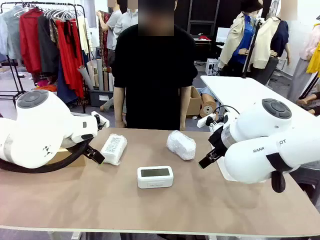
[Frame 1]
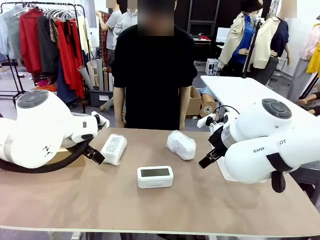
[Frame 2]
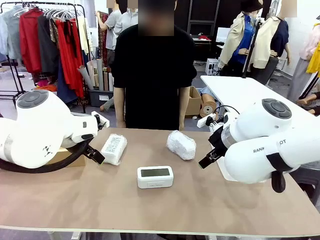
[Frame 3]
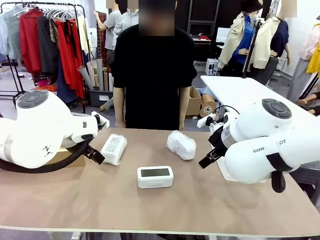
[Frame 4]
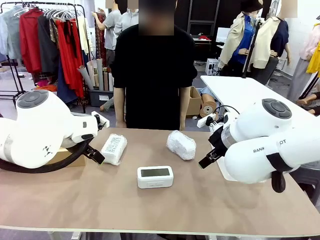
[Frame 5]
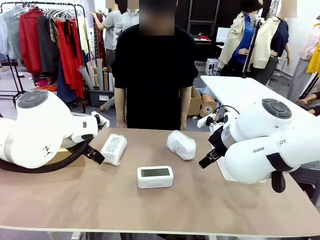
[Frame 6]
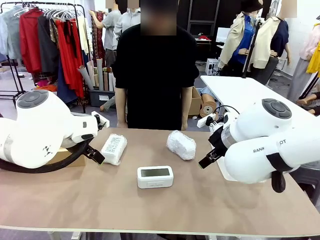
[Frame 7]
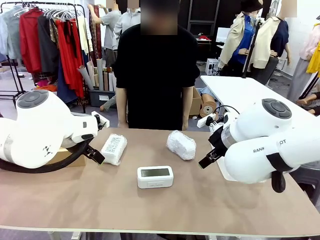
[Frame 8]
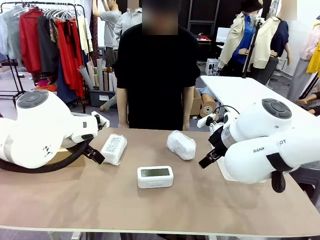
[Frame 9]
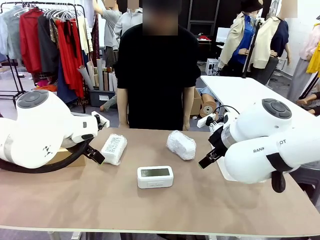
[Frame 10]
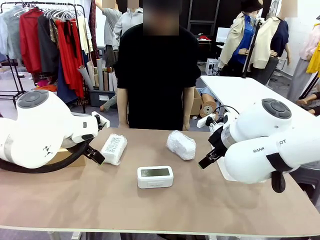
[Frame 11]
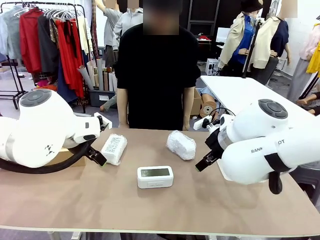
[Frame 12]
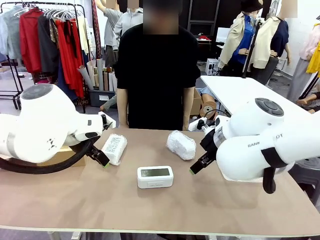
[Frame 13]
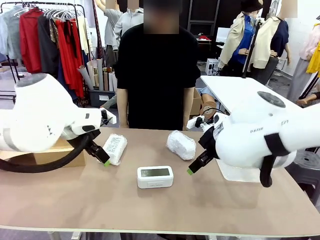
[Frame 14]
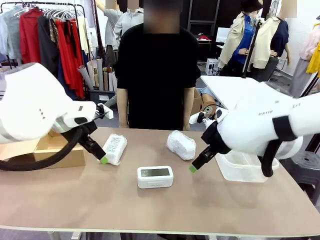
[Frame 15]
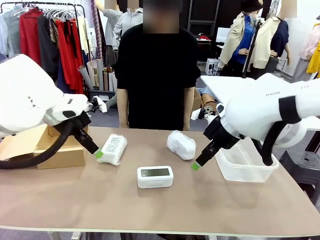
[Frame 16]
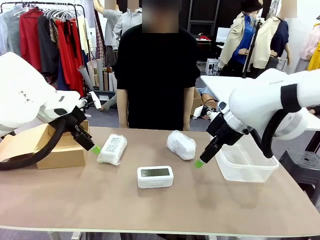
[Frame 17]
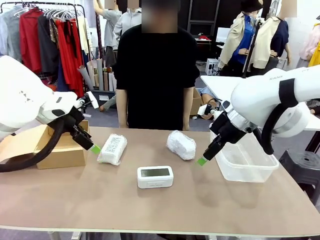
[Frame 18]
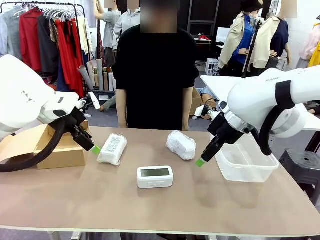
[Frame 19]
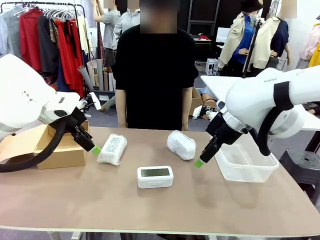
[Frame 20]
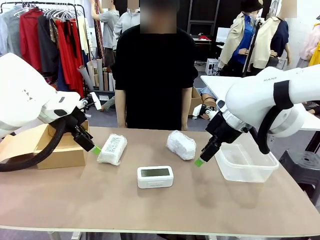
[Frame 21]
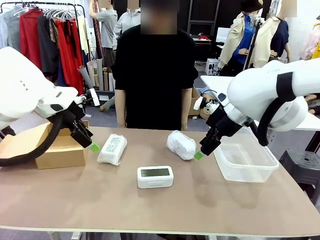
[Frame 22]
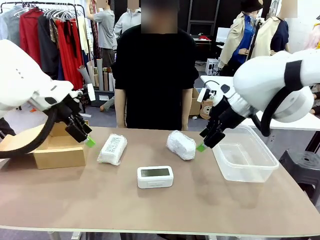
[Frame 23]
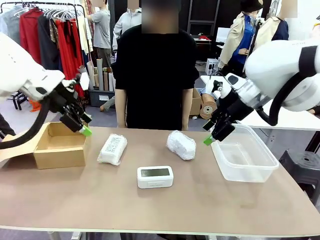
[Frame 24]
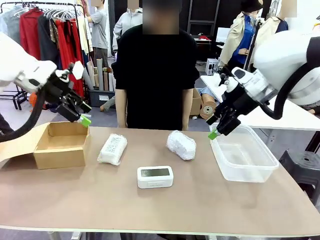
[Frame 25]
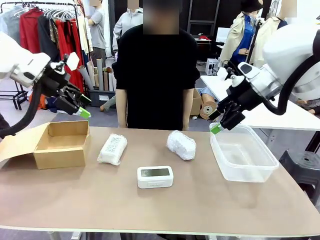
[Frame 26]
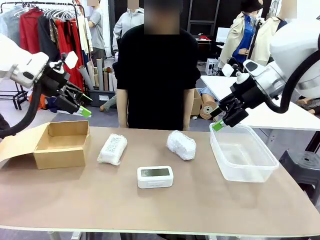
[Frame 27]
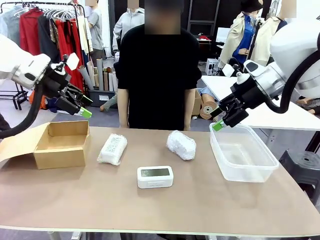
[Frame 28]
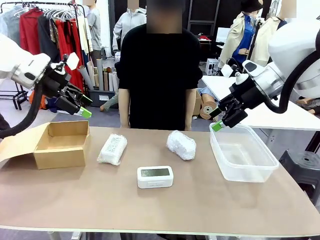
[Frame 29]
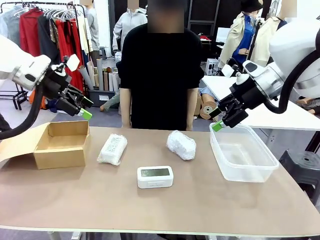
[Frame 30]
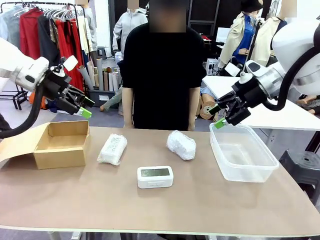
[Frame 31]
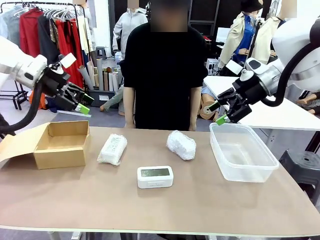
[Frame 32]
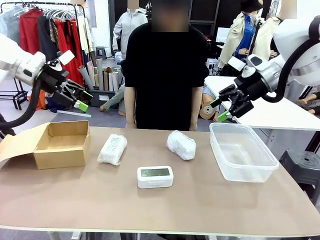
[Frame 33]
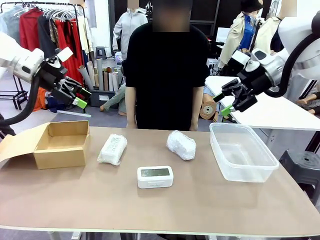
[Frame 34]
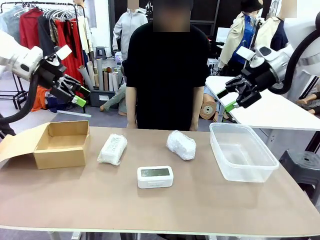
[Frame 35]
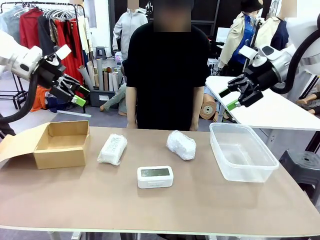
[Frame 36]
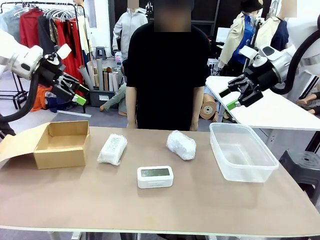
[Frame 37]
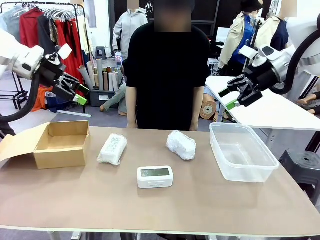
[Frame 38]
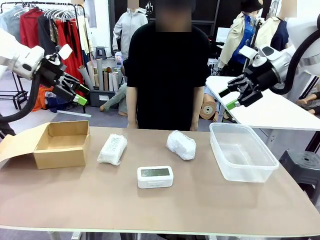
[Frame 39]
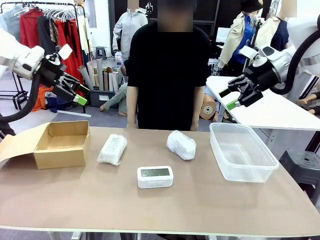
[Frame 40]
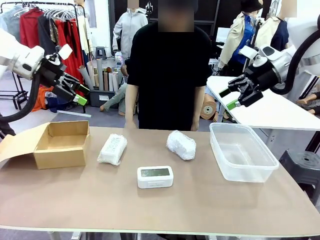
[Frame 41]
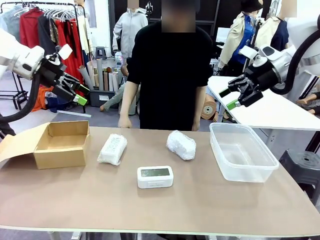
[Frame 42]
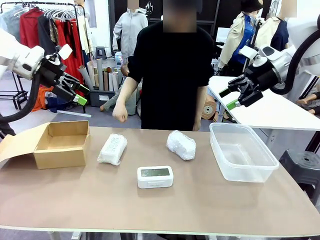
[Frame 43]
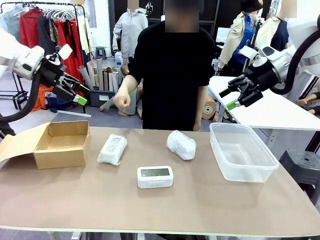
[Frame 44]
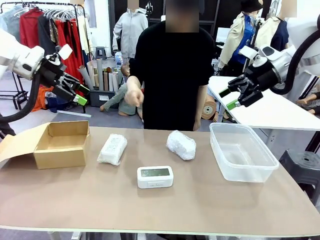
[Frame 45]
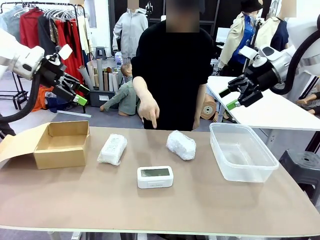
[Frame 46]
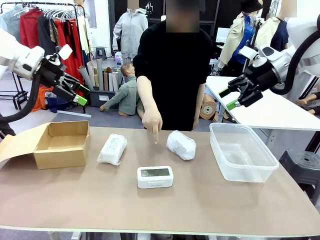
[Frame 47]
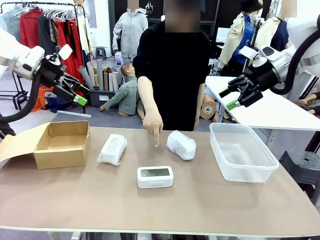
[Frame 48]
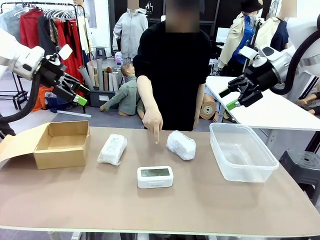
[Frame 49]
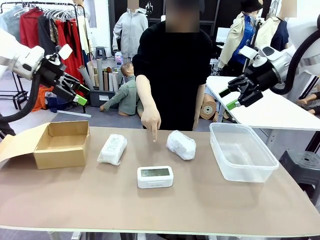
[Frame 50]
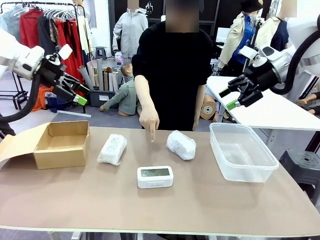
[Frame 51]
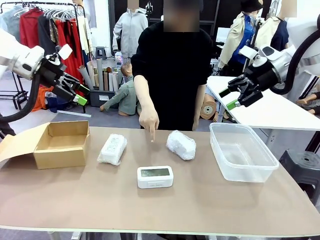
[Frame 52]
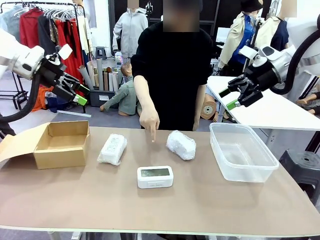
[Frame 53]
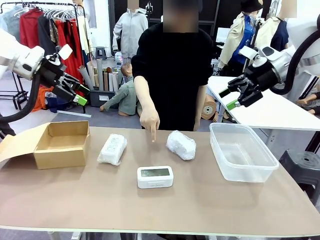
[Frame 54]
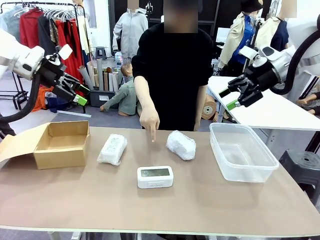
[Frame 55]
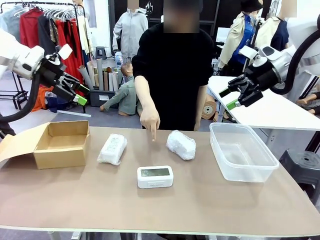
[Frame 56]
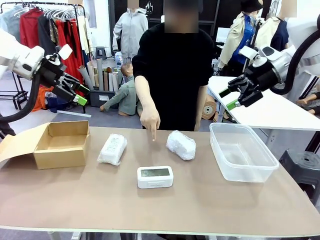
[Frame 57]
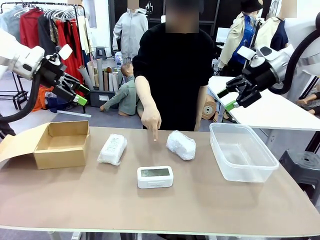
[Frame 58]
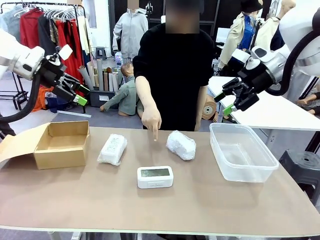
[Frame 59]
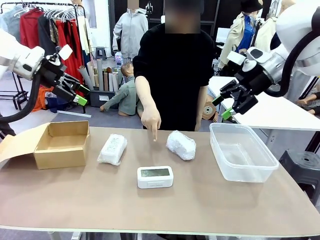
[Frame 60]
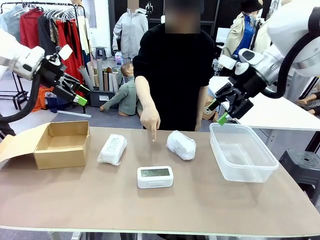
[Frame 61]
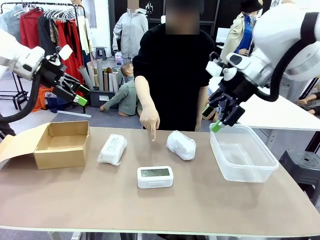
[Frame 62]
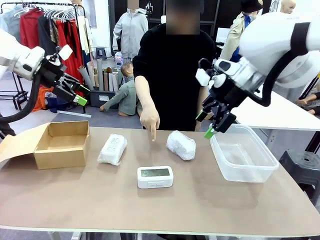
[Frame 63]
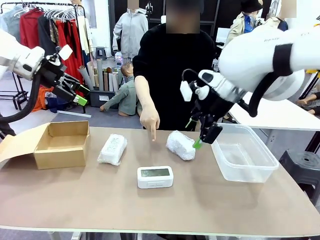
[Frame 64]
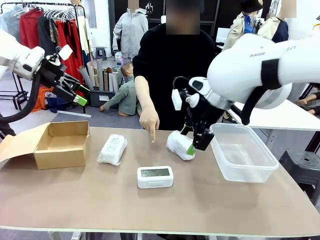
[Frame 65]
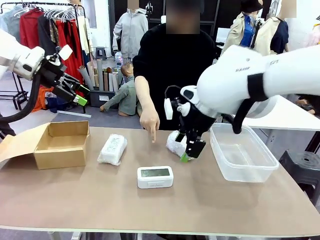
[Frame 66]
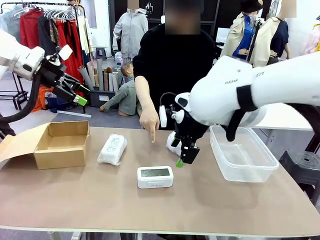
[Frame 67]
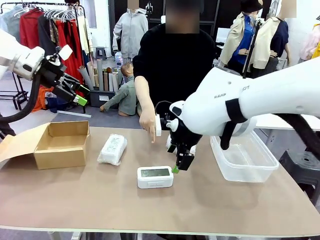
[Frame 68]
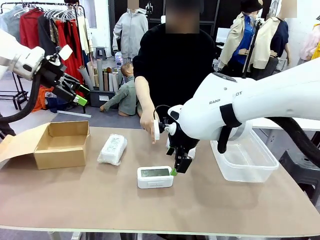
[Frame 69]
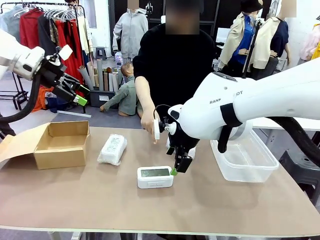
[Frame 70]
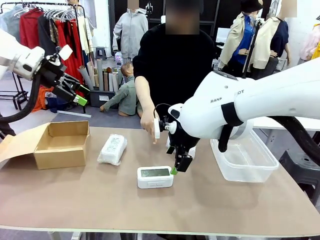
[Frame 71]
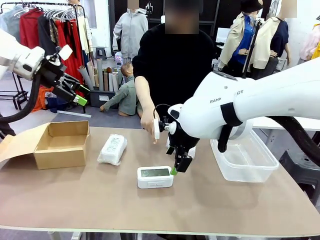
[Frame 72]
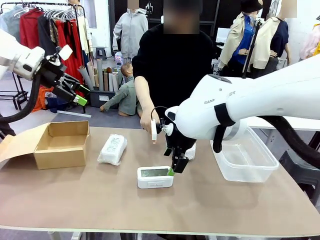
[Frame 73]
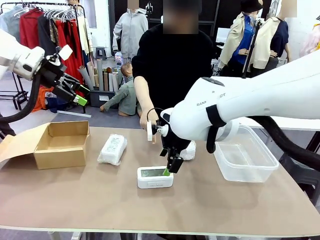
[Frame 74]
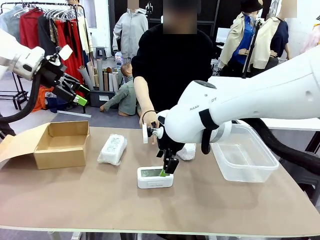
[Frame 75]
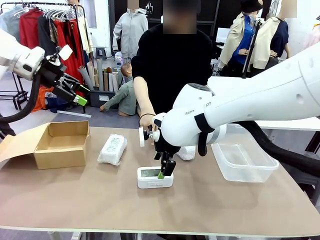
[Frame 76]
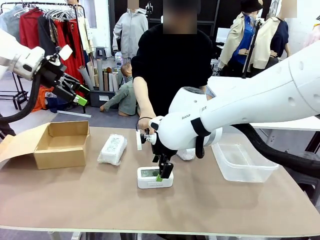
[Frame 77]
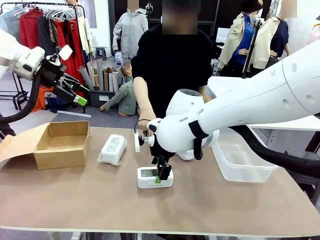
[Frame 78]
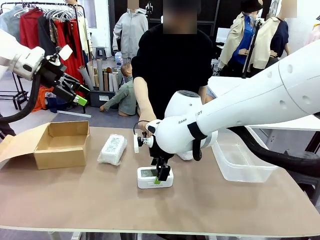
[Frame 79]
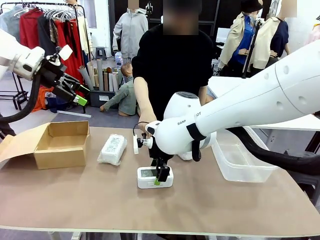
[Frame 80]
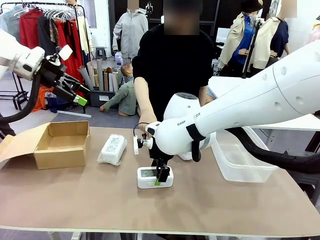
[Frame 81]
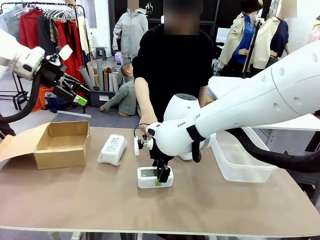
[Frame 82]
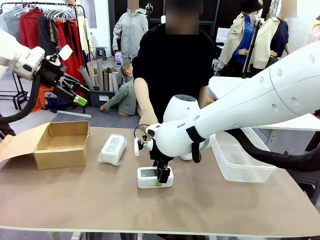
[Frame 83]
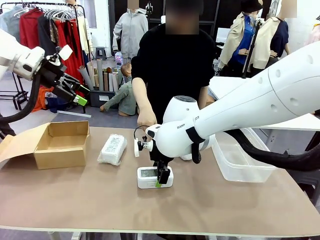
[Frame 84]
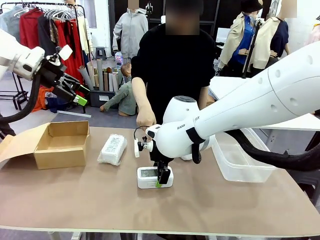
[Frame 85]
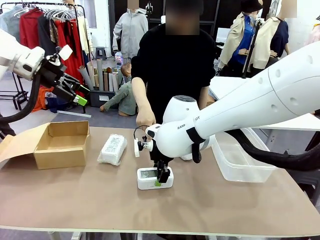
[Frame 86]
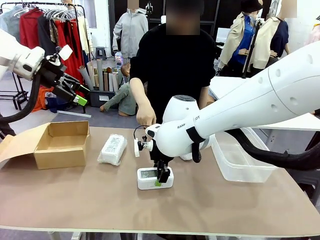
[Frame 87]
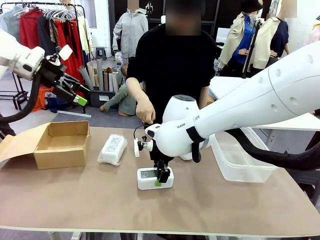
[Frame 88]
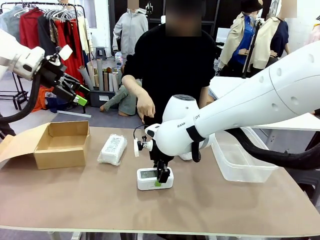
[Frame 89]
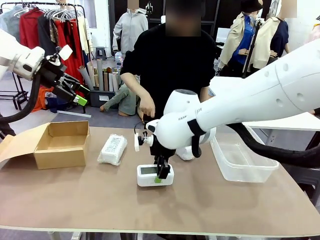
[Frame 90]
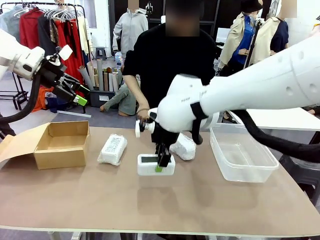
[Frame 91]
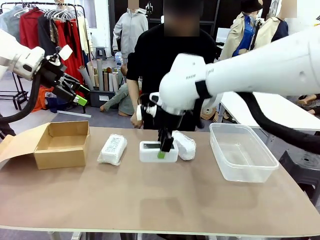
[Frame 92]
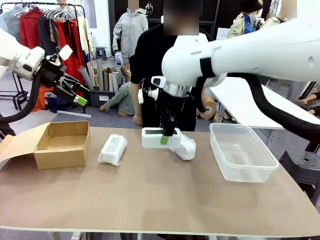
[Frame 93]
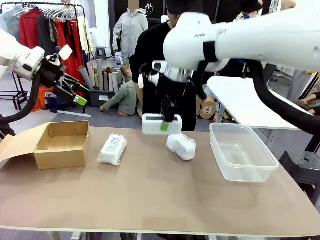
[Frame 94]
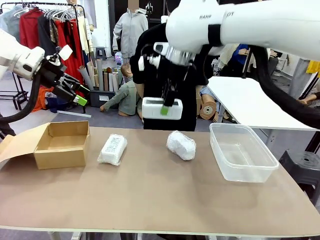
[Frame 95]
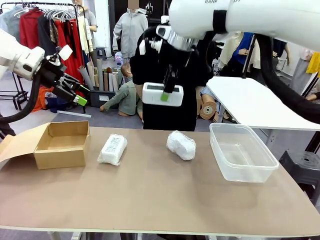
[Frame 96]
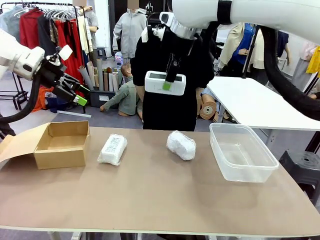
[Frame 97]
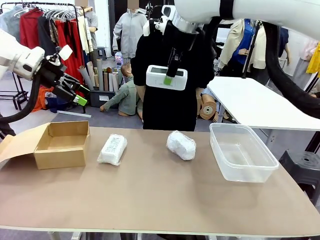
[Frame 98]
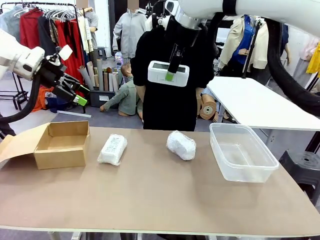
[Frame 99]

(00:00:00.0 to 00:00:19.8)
Task: Separate and place wrapped and unwrapped clocks.
Robot: Pick up the Digital clock indicated by the person.
